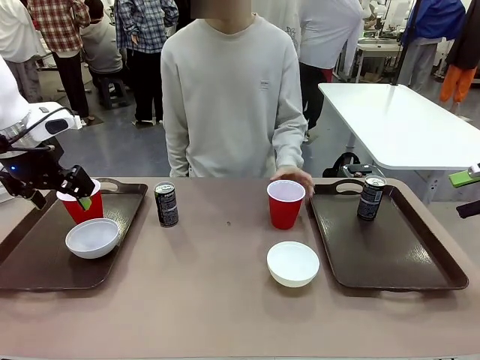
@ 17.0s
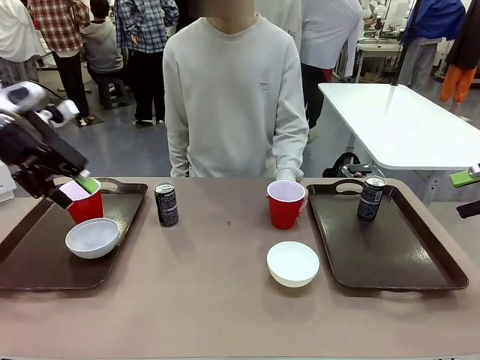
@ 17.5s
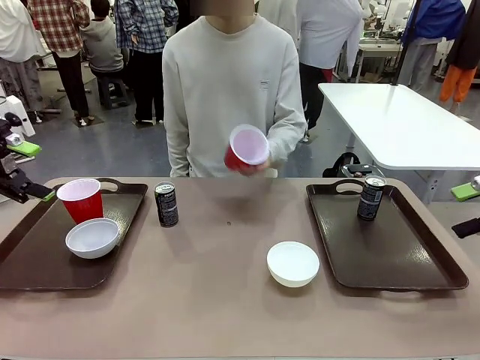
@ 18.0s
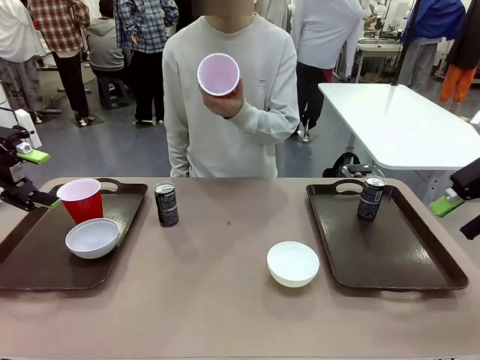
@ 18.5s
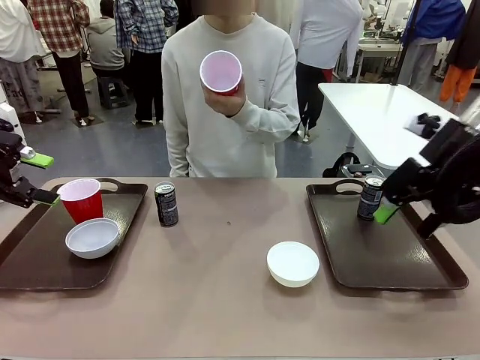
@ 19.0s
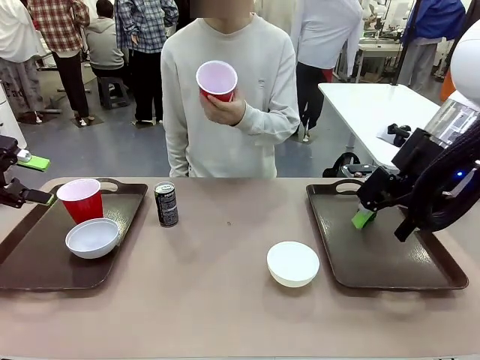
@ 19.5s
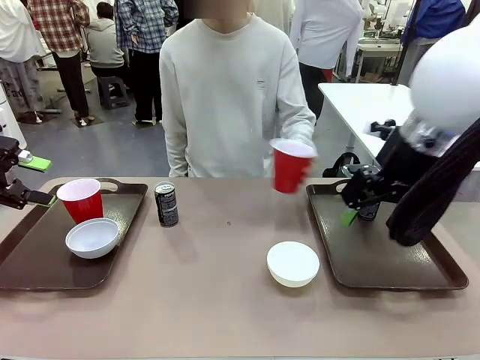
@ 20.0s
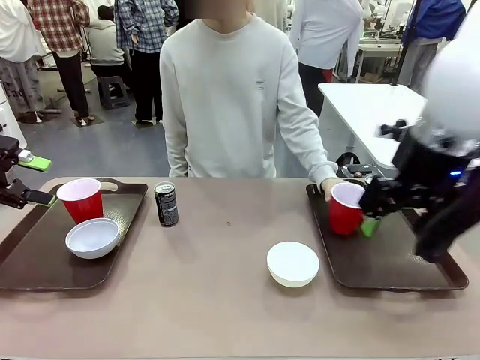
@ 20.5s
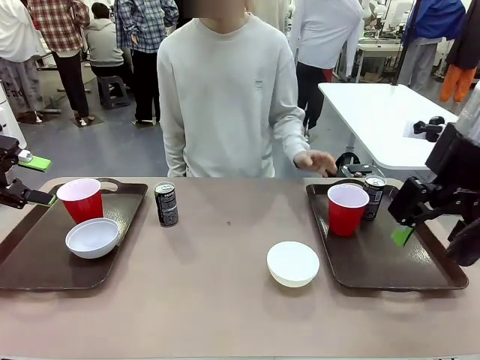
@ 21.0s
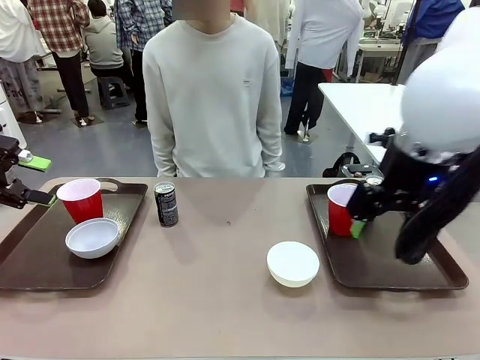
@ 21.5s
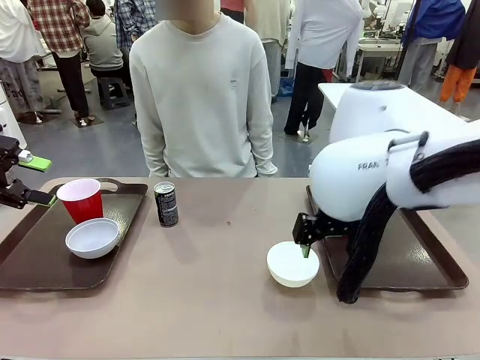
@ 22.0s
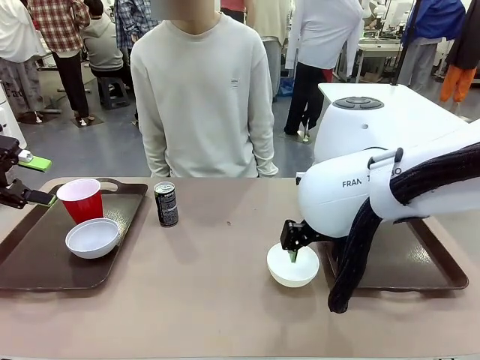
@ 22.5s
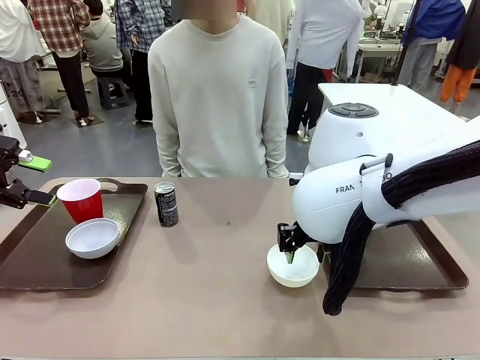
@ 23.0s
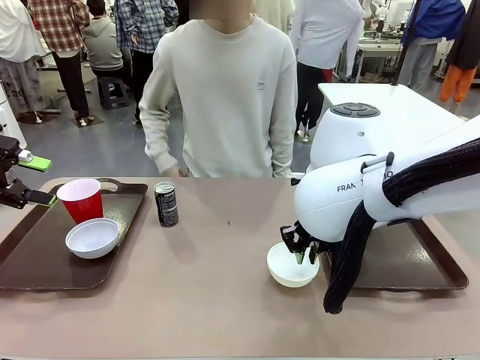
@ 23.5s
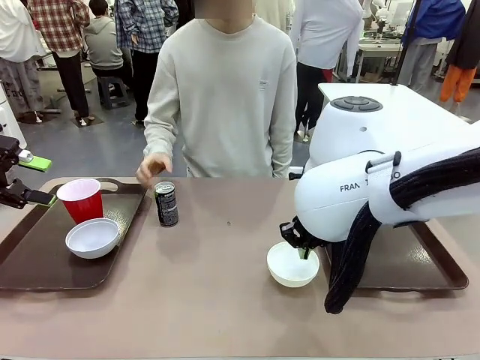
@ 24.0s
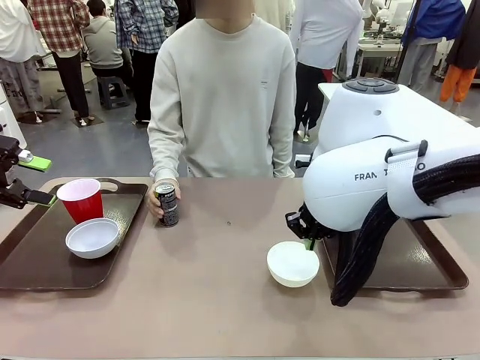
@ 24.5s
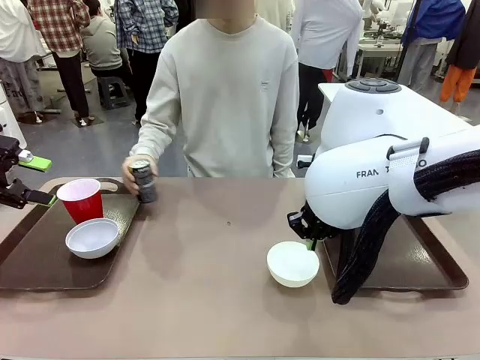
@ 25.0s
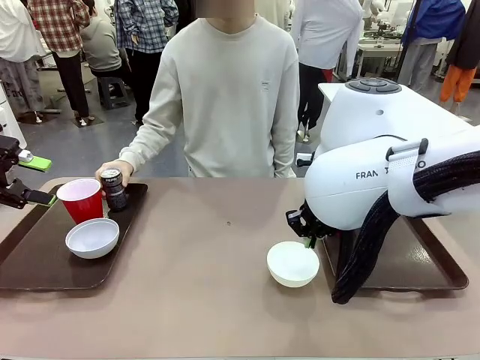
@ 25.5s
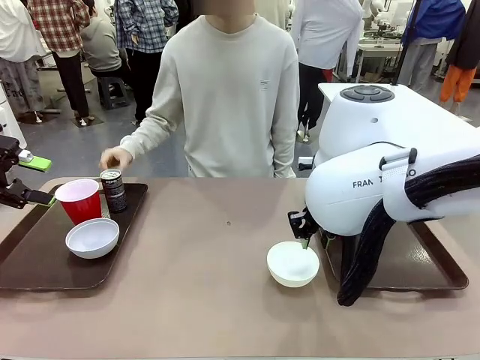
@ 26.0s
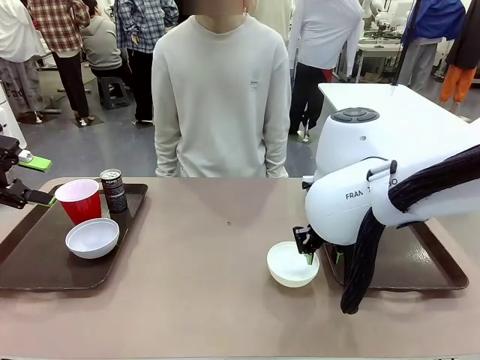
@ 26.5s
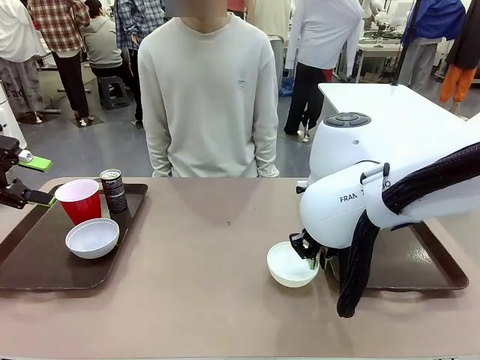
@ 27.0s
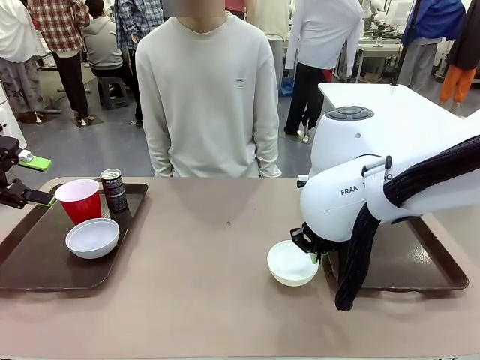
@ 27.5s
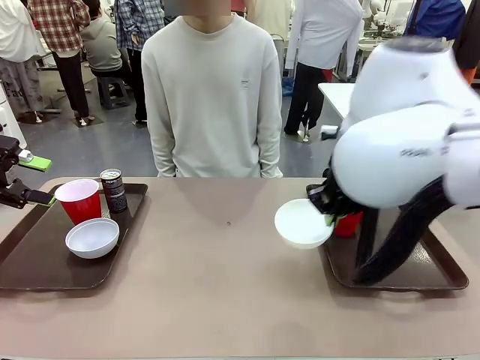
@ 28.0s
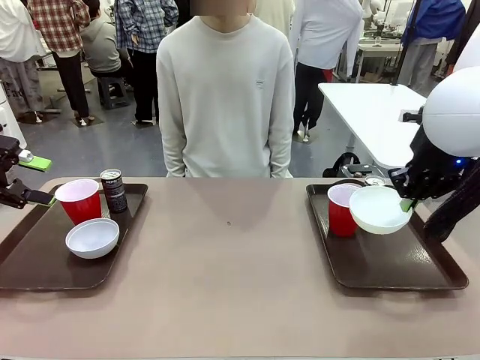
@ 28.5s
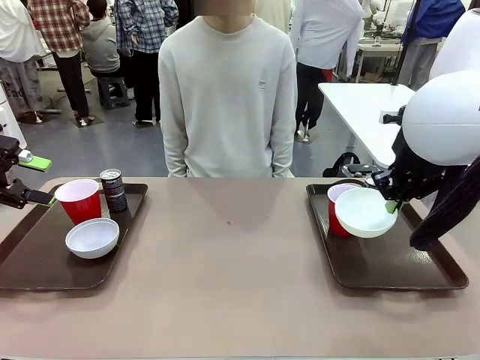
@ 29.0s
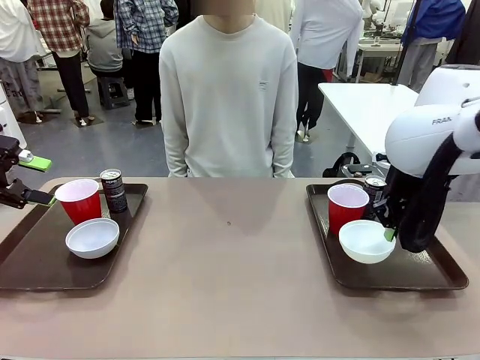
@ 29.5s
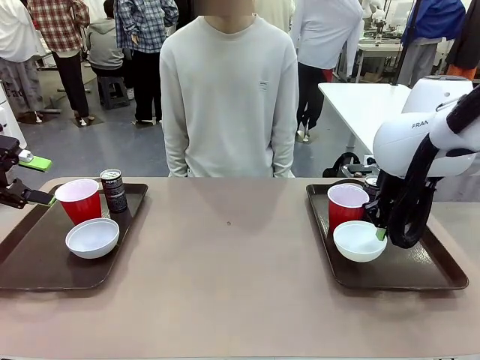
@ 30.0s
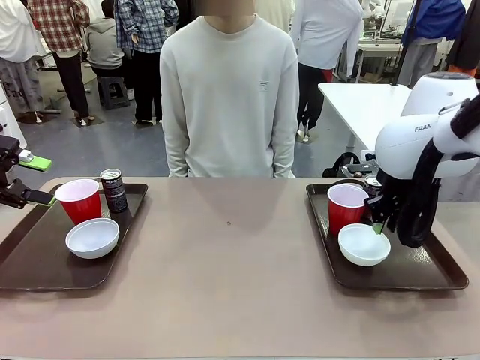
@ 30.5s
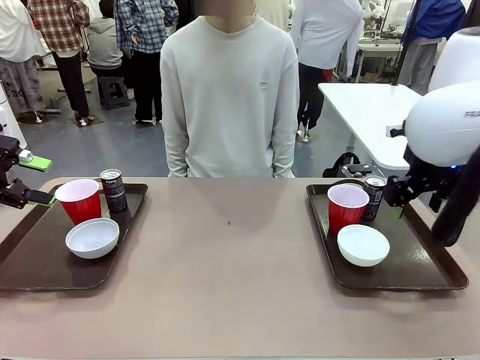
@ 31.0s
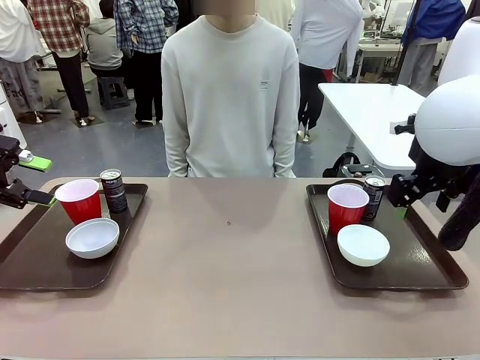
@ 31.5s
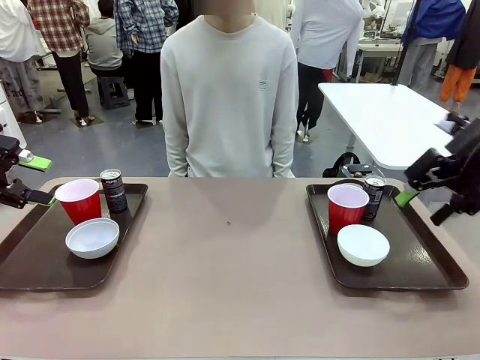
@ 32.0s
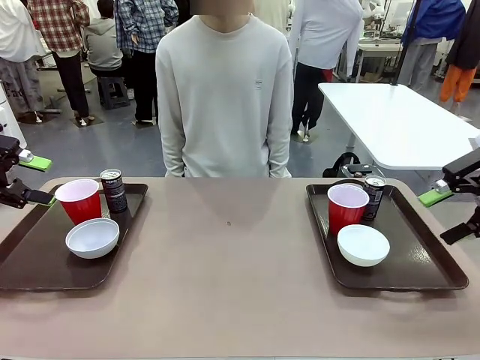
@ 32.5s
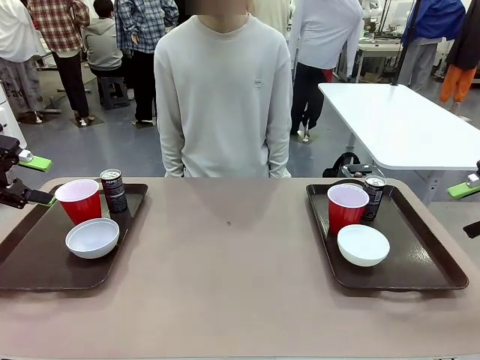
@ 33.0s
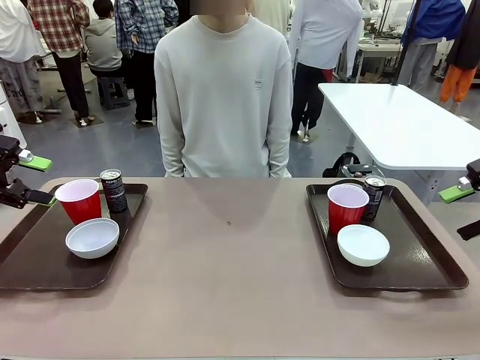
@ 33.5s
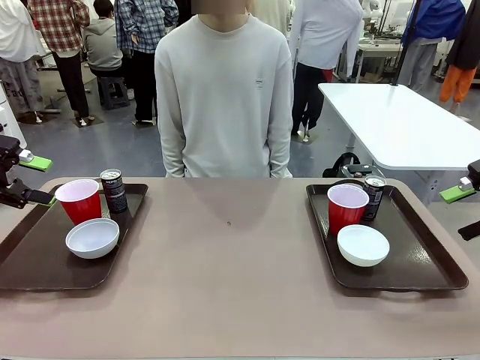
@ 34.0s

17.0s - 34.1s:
Task: Prepare tableware on both trays.
Robot: Pick up a Picnic Bowl from the table and place it on a Handle tray.
Person: Pick up a can or cup and place it on the tray without a can or cup.

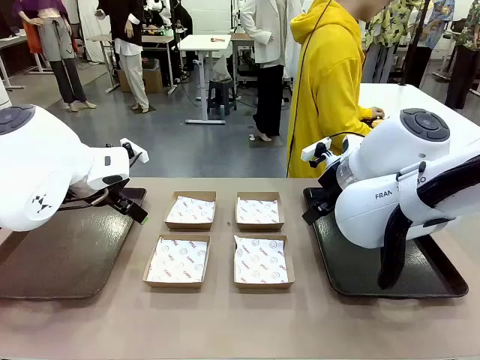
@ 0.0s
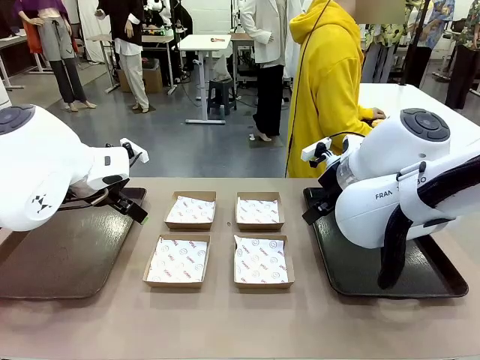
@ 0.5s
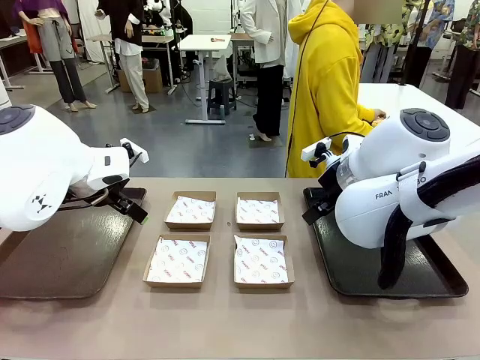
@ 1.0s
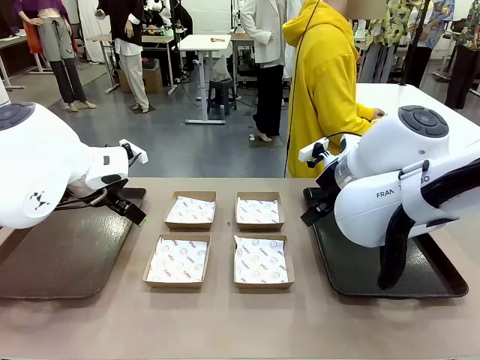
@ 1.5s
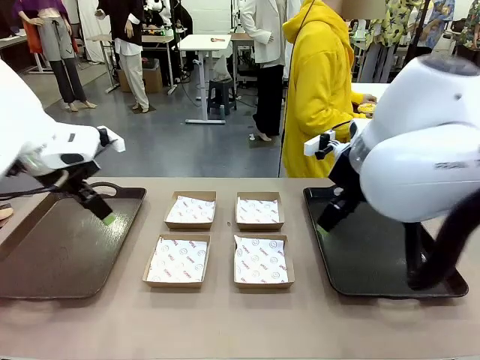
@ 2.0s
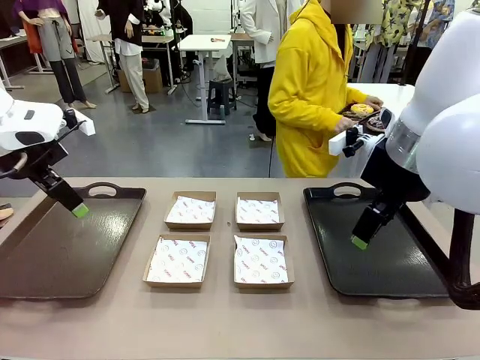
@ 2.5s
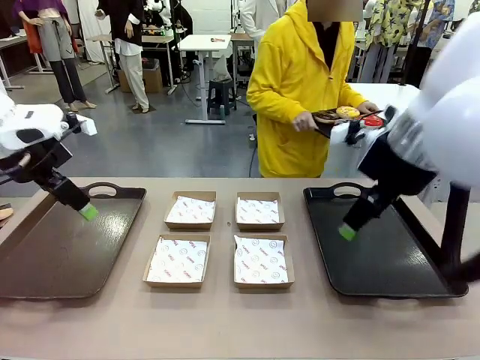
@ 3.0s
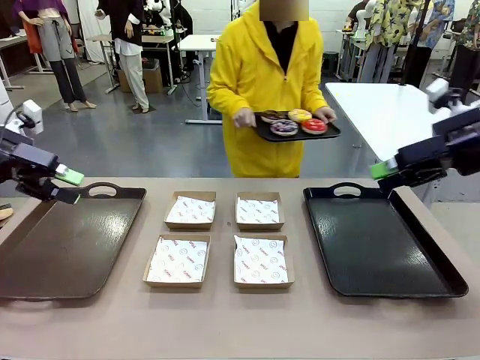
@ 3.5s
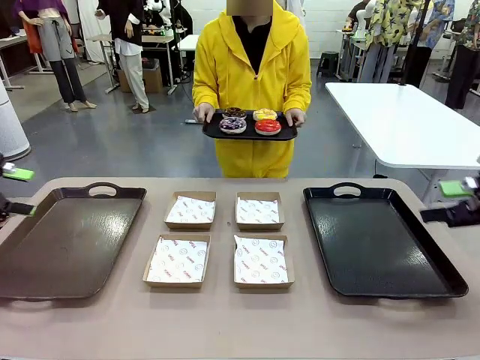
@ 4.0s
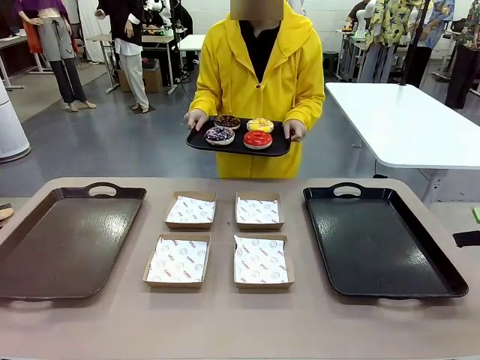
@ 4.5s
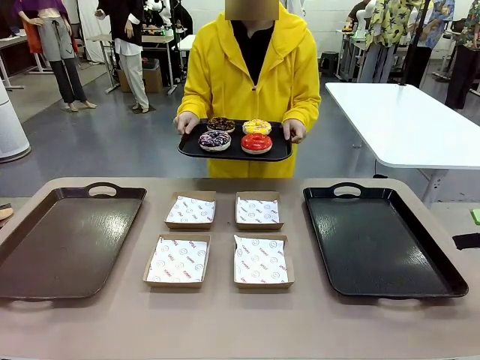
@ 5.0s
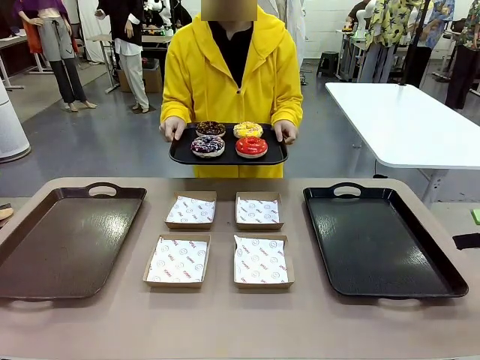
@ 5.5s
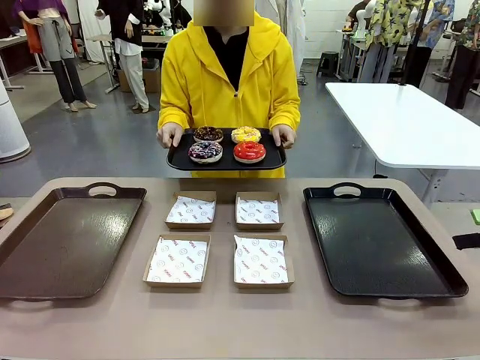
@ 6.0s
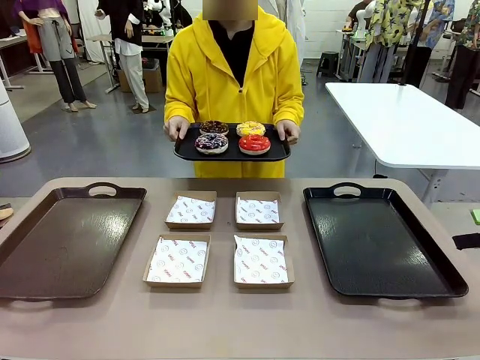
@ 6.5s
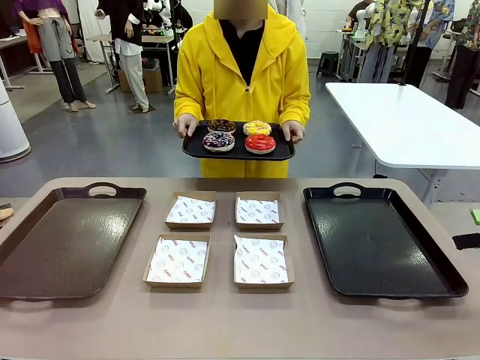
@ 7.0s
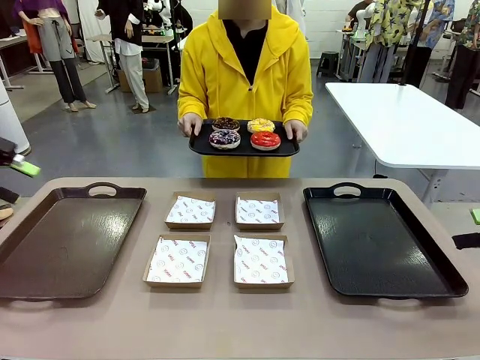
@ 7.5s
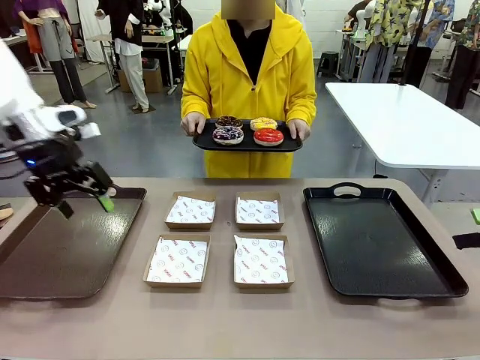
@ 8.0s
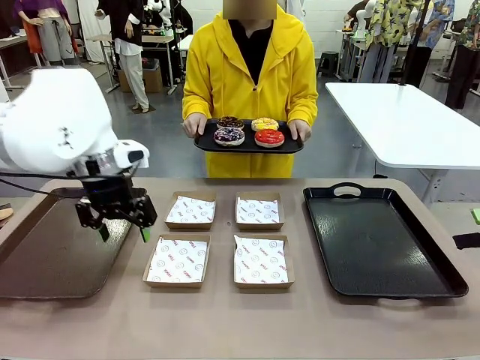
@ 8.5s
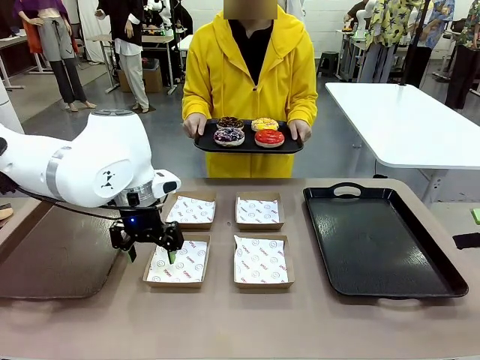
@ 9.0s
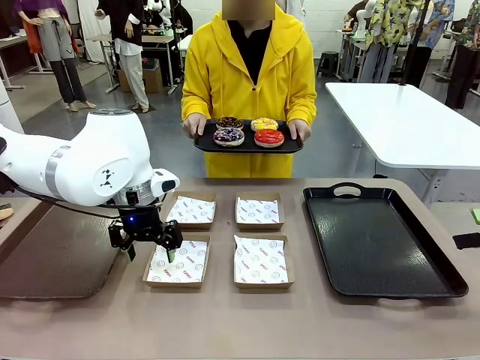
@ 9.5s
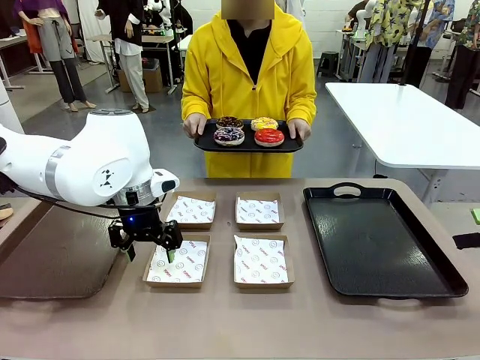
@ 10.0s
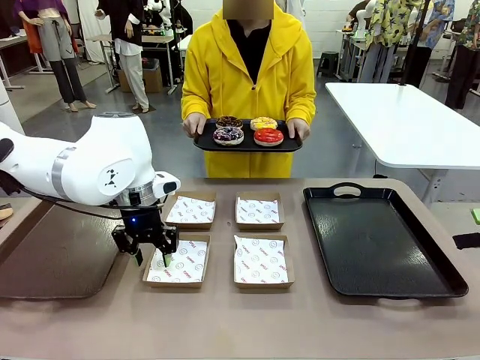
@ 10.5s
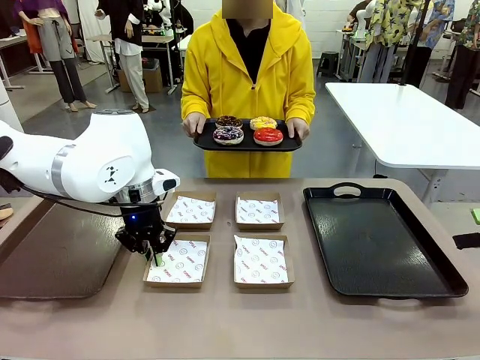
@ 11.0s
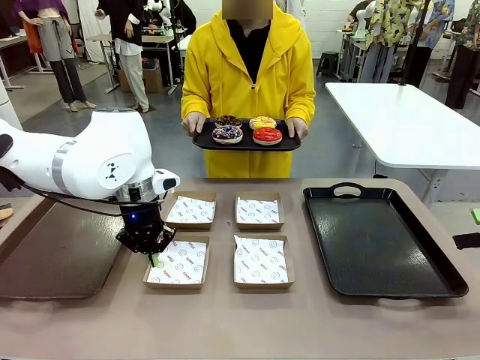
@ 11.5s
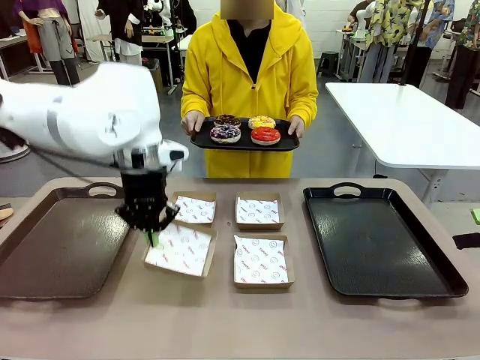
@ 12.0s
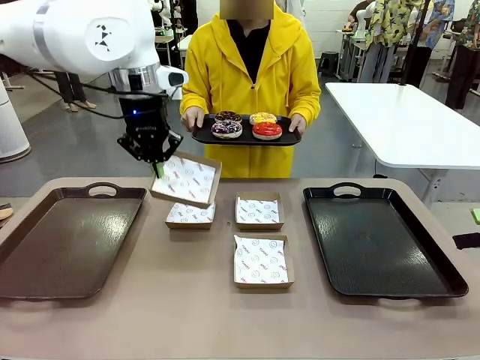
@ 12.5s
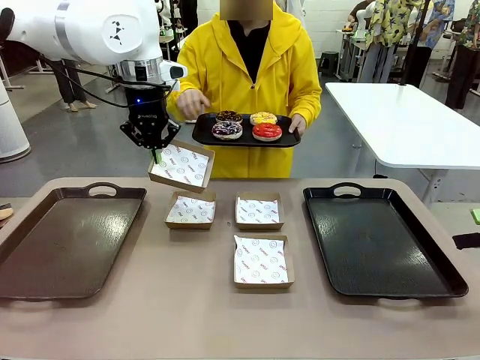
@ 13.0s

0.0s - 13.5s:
Task: Individually package the donuts and arrange them on the tray.
Robot: Pick up one Paper togo box.
Person: Stand in front of the robot table holding the tray containing the donuts.
